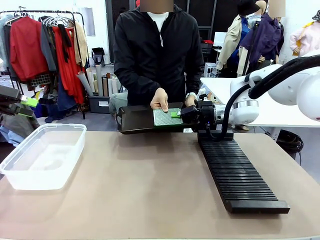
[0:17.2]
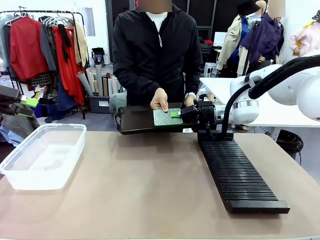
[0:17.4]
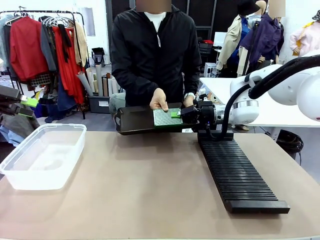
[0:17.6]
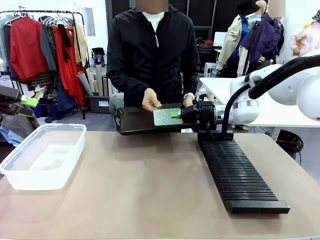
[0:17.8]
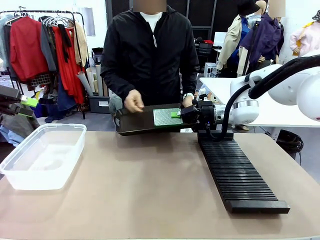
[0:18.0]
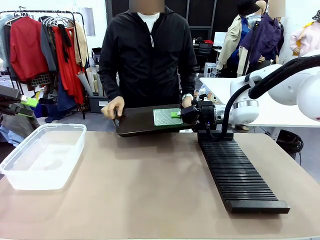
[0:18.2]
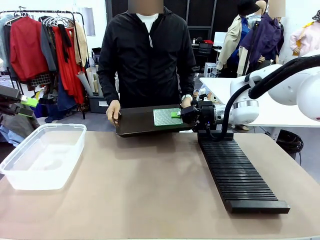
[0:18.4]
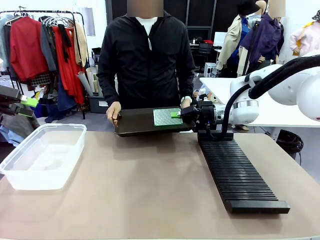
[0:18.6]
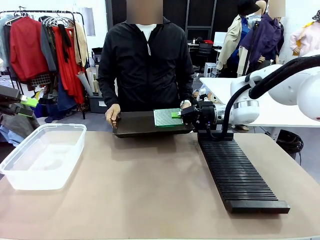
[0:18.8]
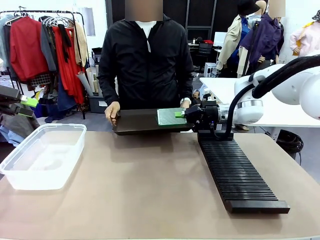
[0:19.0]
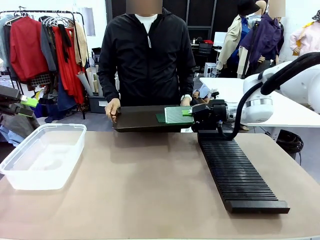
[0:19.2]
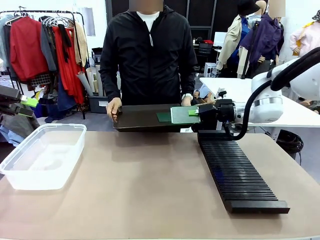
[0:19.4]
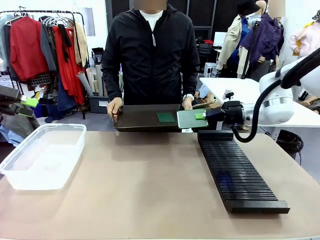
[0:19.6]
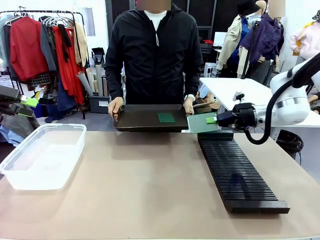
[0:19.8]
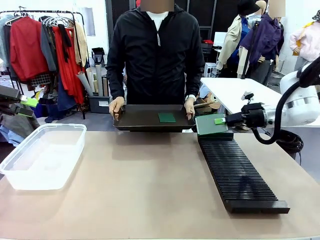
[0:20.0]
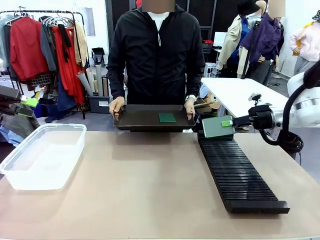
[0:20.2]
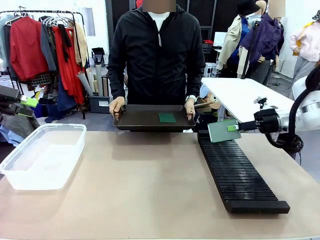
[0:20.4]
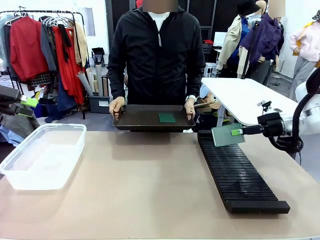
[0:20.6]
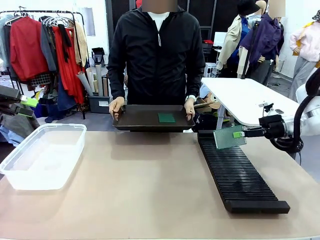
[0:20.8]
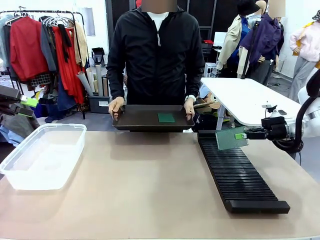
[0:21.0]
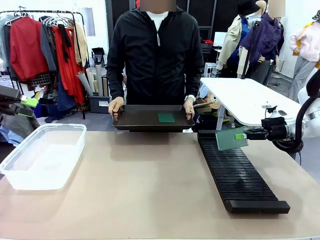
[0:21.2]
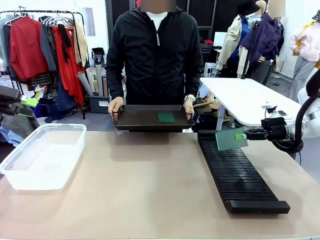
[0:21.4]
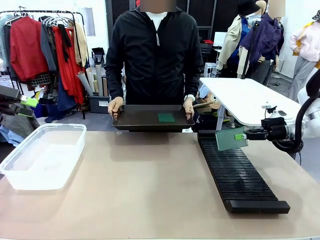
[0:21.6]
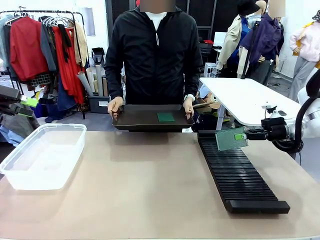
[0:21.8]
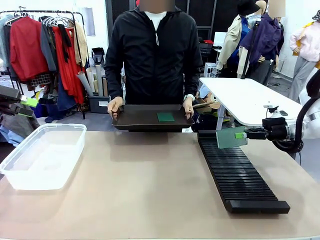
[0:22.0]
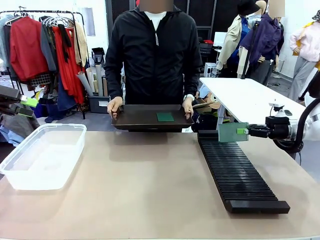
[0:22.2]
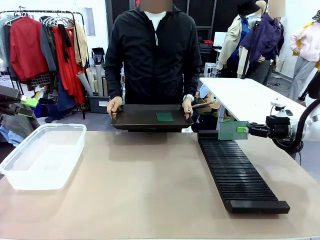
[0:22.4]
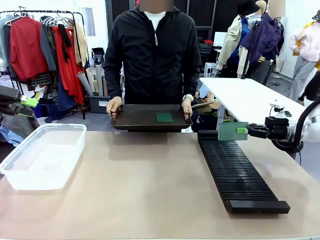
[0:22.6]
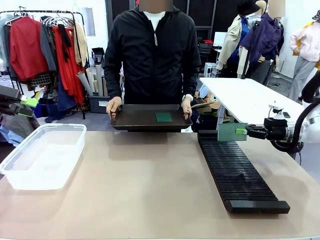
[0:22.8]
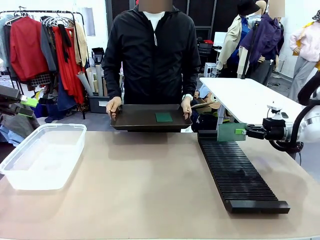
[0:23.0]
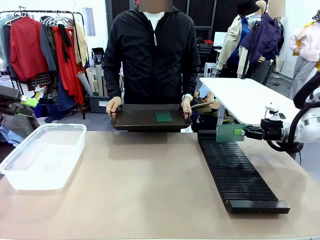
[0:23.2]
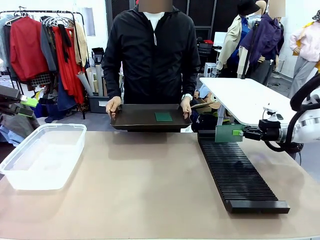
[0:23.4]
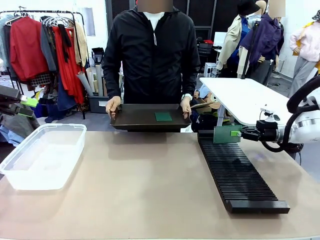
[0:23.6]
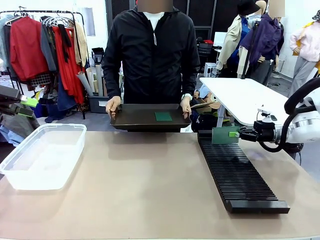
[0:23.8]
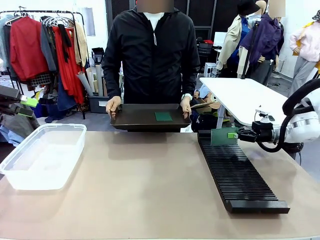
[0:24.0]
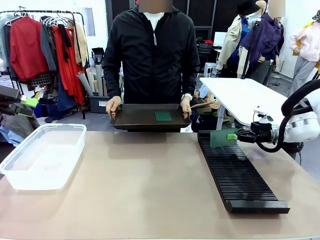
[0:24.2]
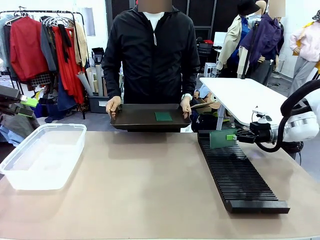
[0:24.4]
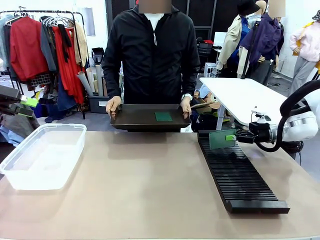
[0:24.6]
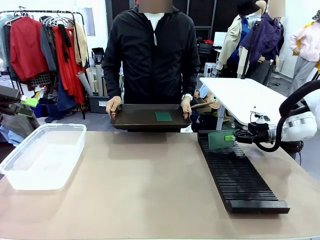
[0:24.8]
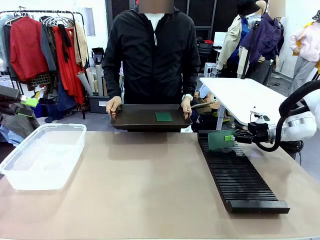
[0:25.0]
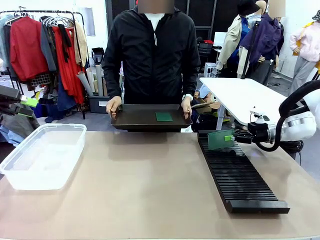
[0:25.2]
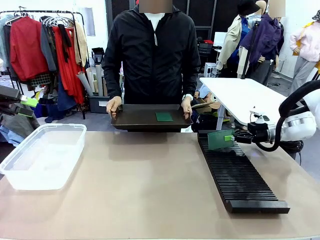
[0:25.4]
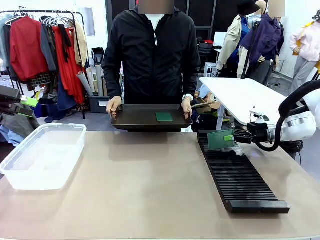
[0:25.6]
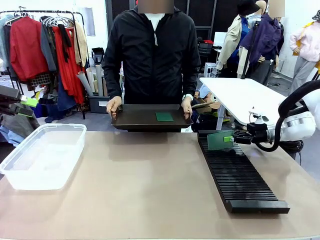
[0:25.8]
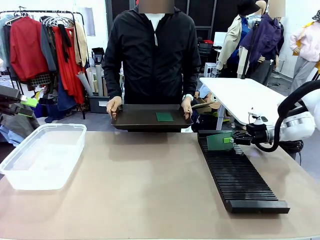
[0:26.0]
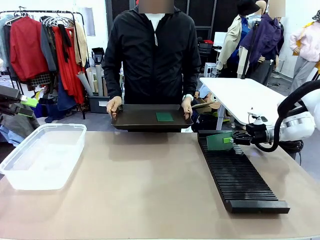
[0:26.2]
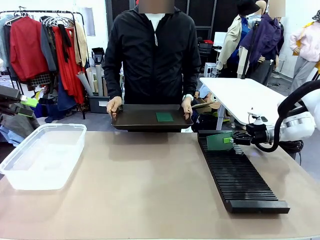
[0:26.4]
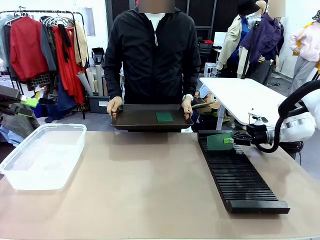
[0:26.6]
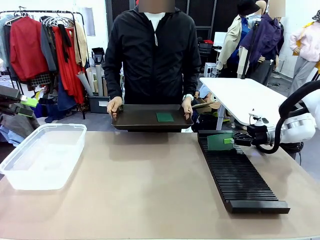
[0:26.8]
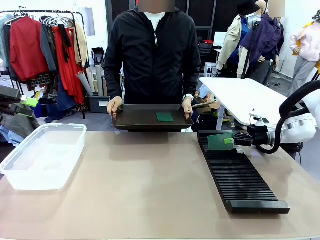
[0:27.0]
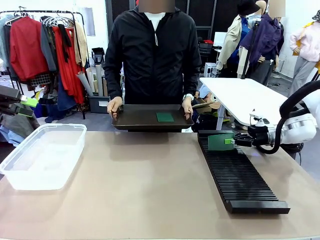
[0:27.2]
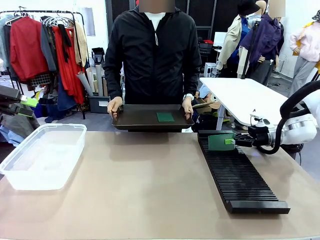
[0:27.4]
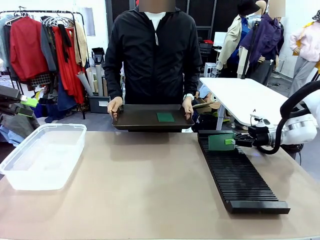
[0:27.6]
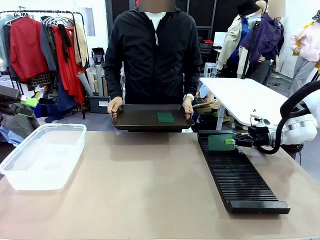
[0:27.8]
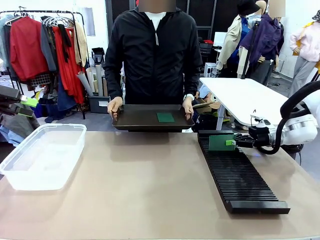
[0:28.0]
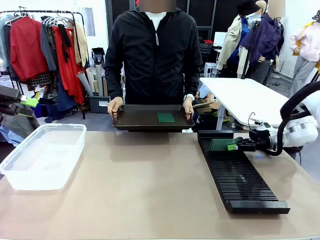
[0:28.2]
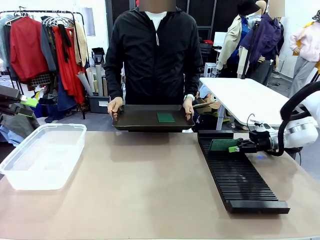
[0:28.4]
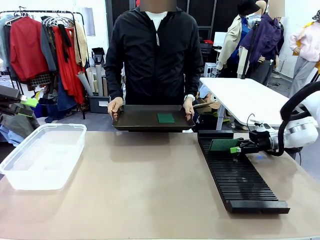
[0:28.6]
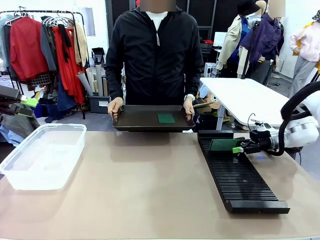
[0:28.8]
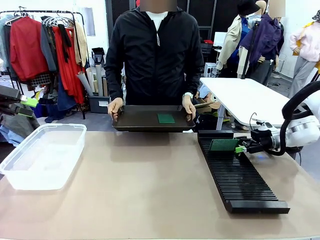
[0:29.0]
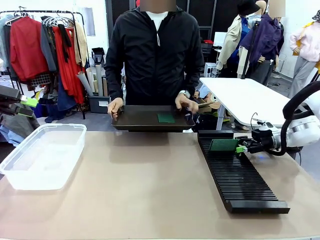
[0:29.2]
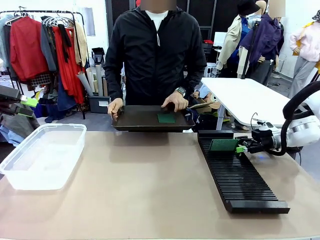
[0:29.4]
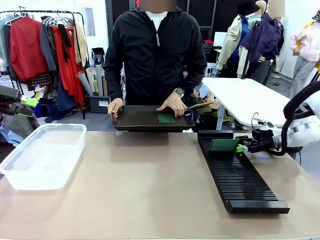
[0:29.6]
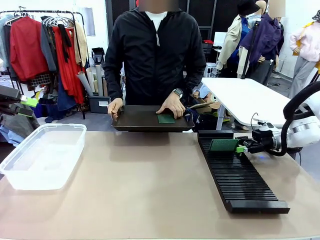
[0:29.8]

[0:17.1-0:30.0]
Task: Sort PCBs into racks and boxes based on the side picked up.
Robot: If the short side of the Blank PCB is picked up, insert it into the PCB Rack ; if the long side is picked up, place it in the Organizing box.
Person: Pick one PCB from the tray and present it to the robot.

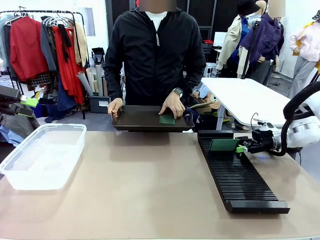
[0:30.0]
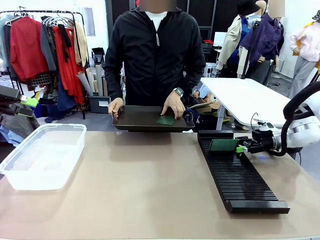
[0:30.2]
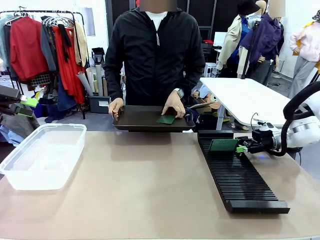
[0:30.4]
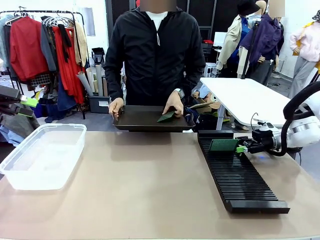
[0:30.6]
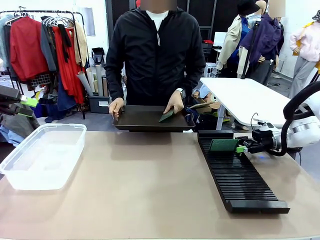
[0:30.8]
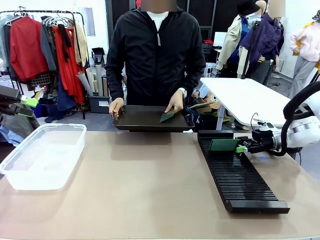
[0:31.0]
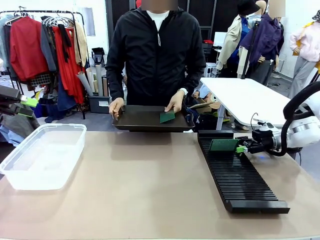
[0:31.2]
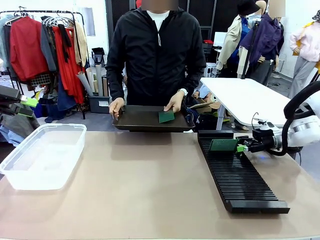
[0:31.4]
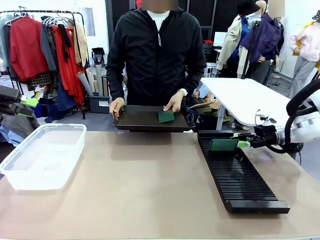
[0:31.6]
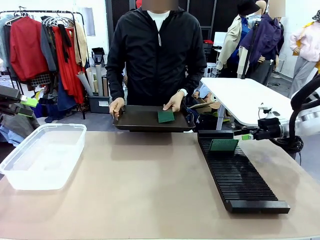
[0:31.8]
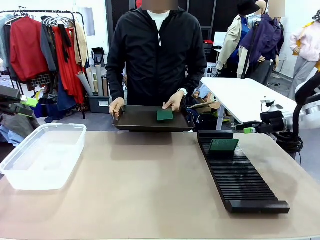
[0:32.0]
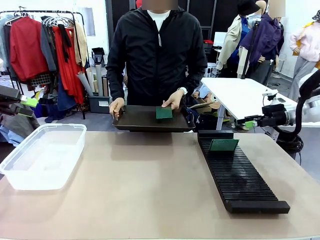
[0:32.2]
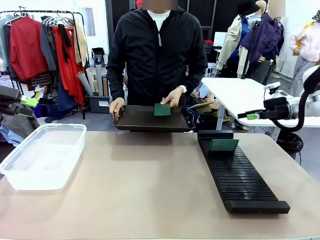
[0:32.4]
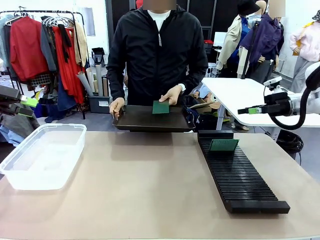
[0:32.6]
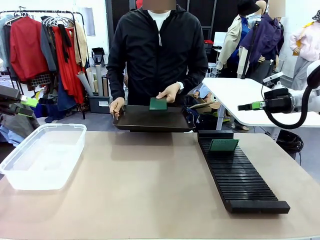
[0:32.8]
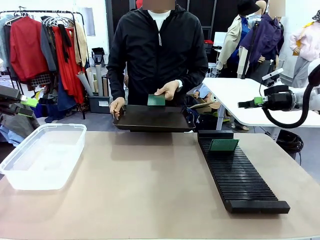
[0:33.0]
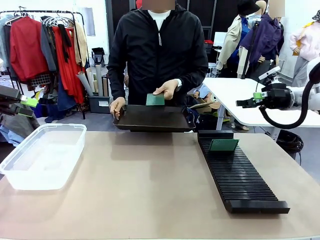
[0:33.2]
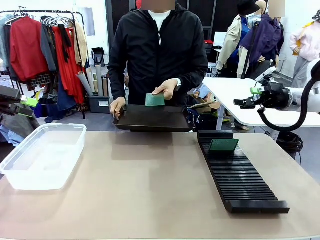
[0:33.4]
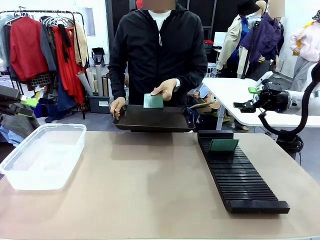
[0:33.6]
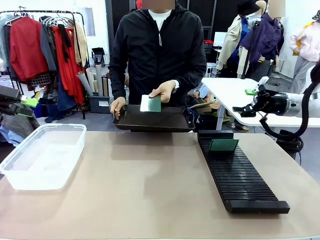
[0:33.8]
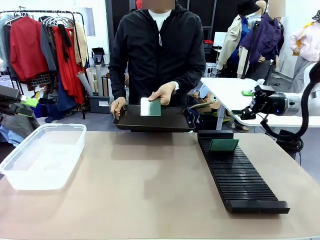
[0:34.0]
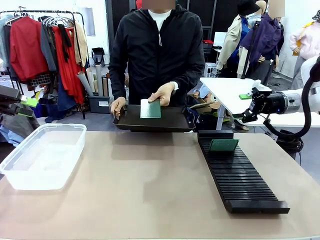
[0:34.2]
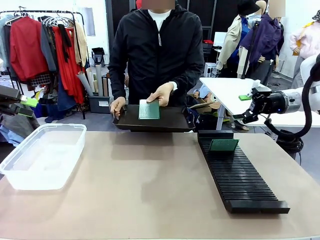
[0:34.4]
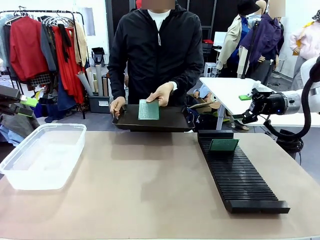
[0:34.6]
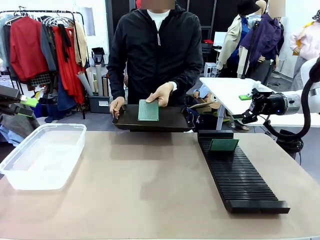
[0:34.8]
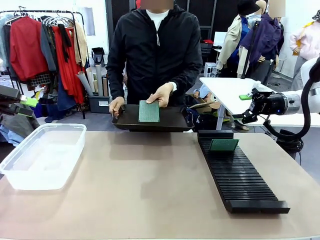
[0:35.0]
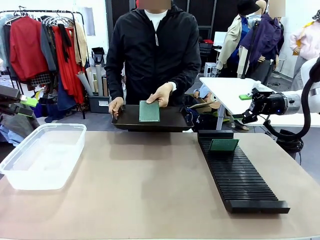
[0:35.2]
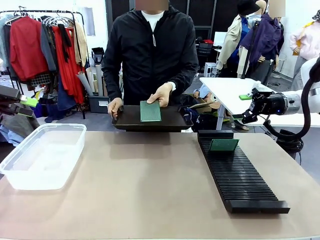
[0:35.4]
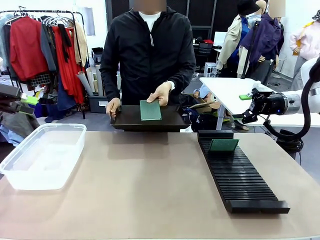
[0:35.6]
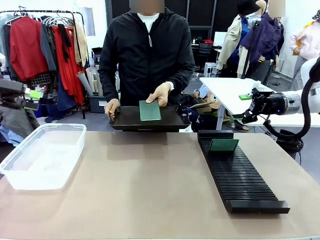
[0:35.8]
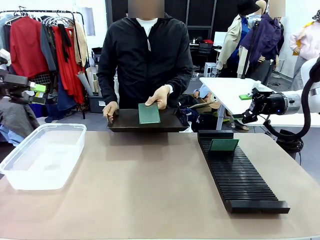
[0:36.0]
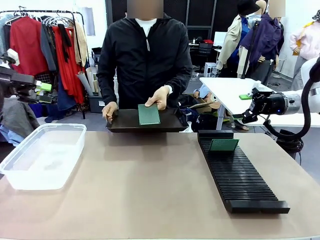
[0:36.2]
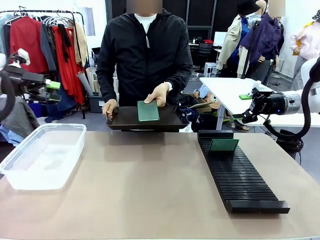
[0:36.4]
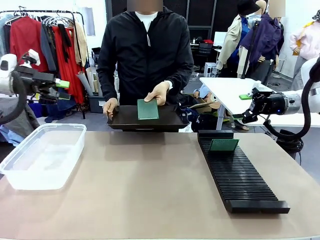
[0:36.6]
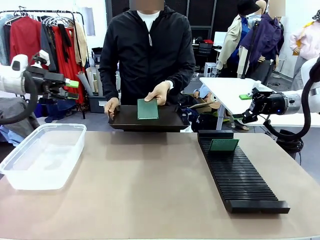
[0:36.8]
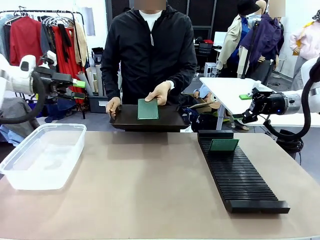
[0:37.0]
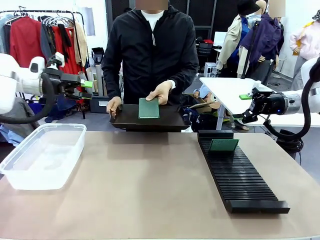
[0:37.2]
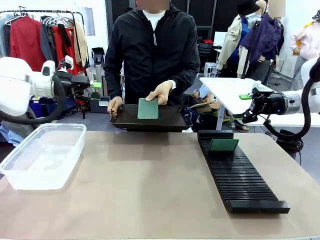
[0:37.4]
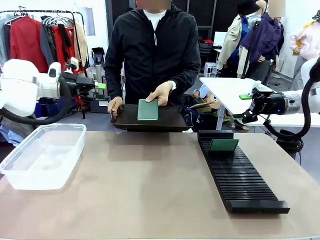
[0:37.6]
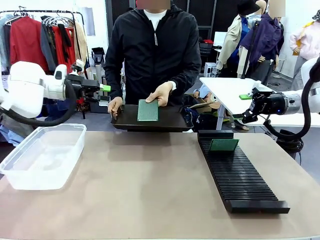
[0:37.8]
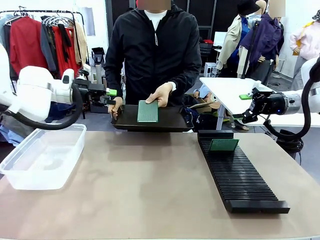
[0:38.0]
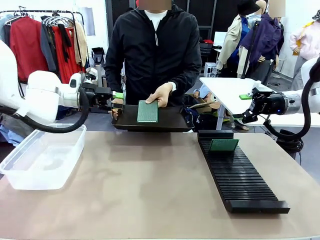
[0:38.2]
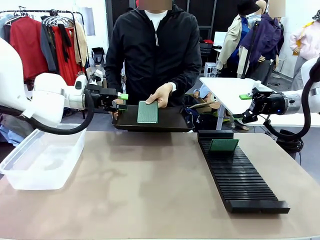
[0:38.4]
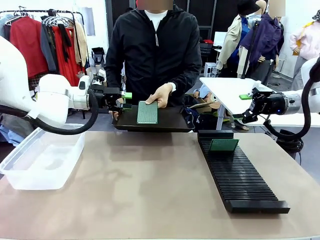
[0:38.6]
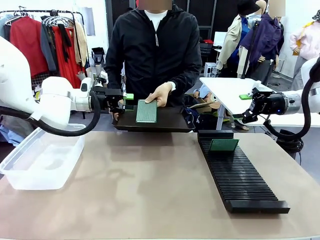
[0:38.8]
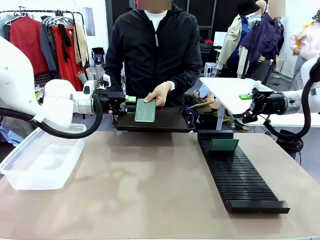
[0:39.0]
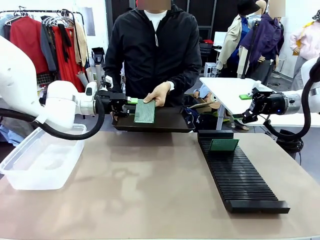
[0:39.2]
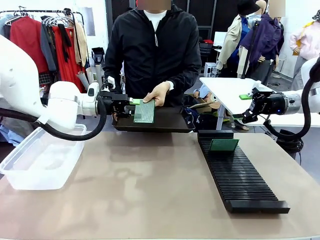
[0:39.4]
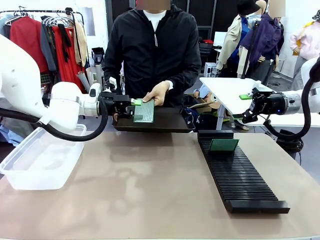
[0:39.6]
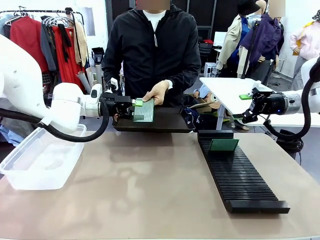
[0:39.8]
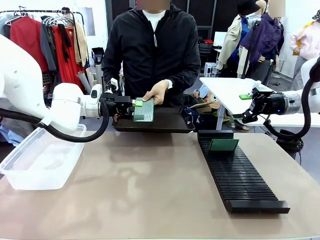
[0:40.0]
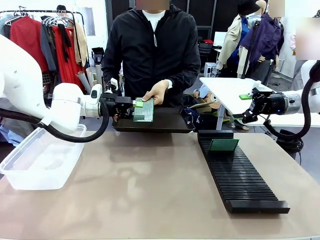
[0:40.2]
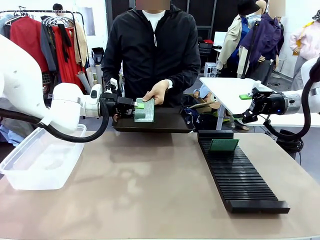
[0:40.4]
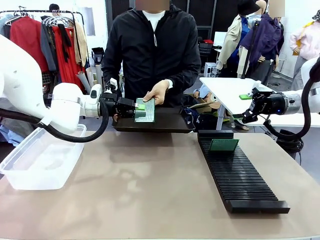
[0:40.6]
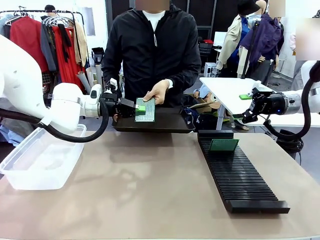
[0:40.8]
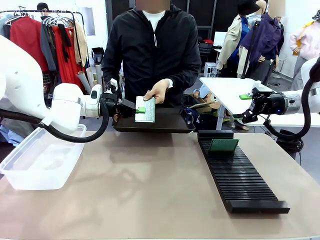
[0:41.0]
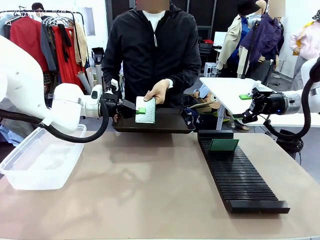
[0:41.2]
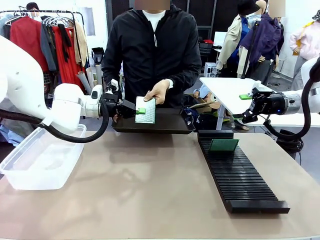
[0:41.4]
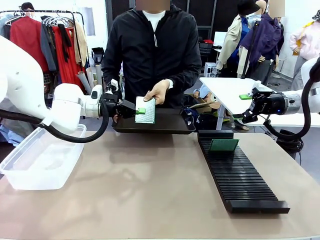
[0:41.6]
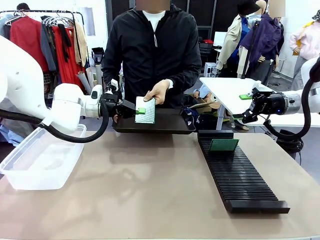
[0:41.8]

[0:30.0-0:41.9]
Robot: Pick up the Blank PCB handed by the Human.
